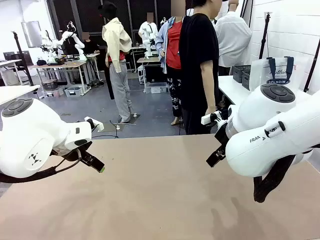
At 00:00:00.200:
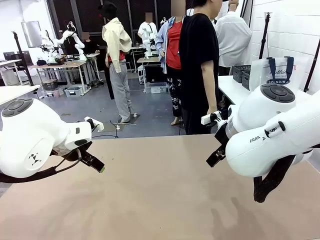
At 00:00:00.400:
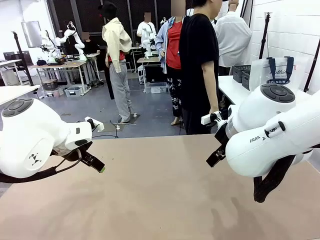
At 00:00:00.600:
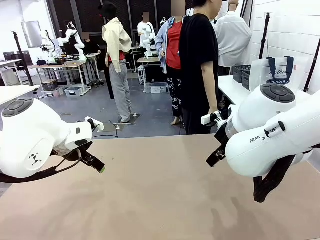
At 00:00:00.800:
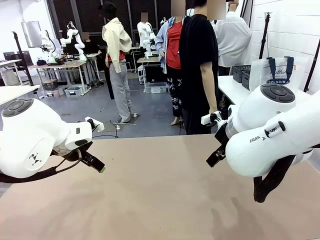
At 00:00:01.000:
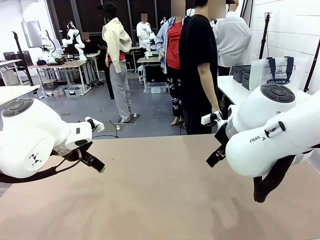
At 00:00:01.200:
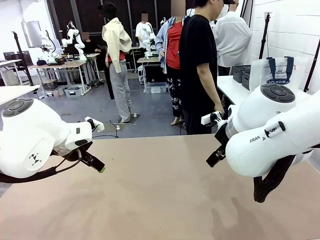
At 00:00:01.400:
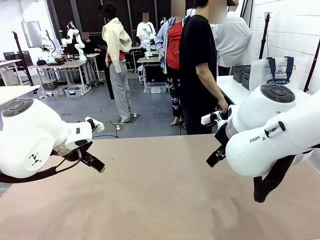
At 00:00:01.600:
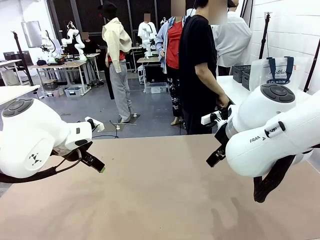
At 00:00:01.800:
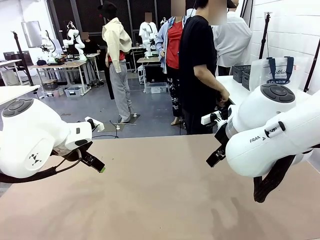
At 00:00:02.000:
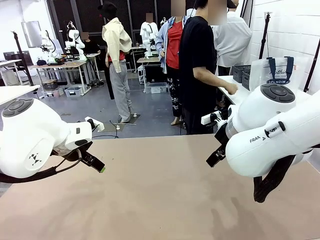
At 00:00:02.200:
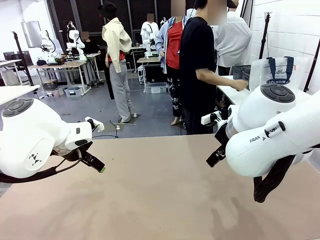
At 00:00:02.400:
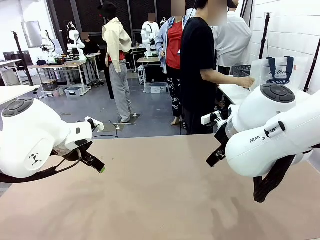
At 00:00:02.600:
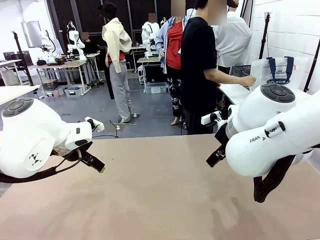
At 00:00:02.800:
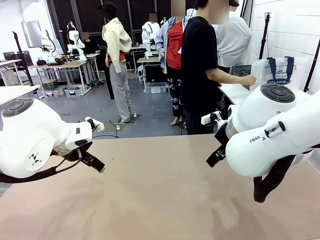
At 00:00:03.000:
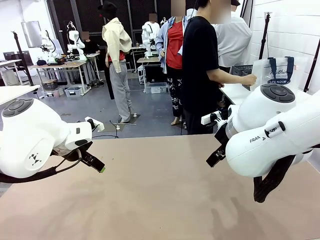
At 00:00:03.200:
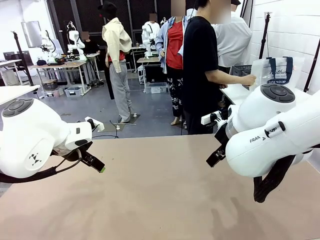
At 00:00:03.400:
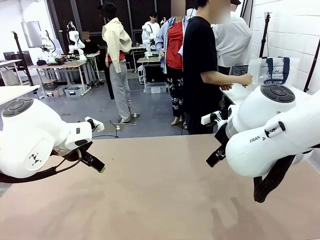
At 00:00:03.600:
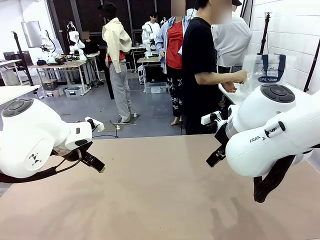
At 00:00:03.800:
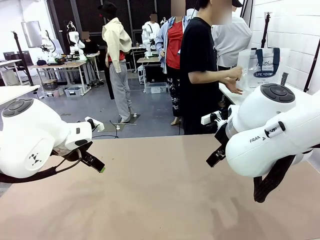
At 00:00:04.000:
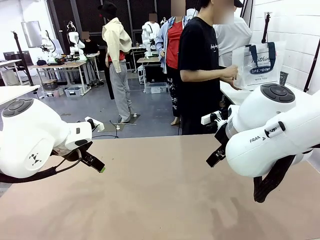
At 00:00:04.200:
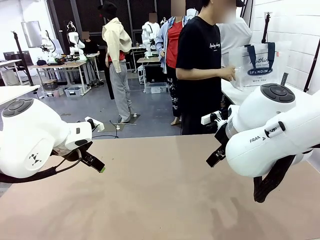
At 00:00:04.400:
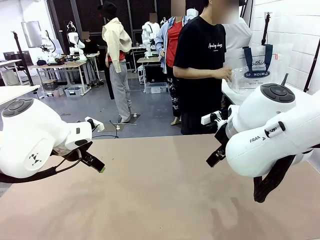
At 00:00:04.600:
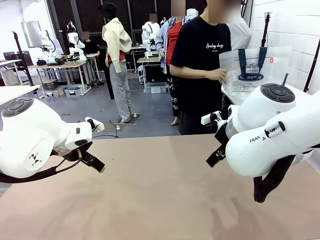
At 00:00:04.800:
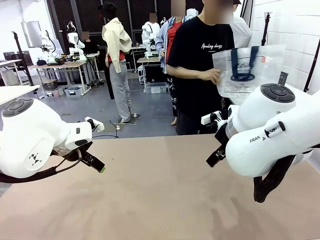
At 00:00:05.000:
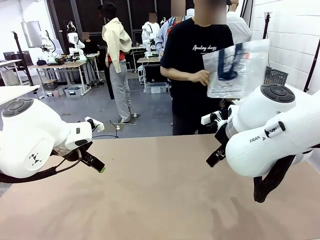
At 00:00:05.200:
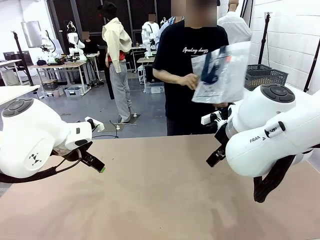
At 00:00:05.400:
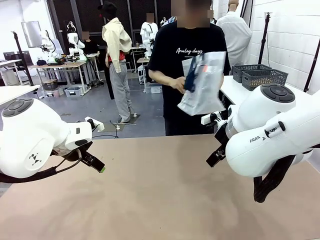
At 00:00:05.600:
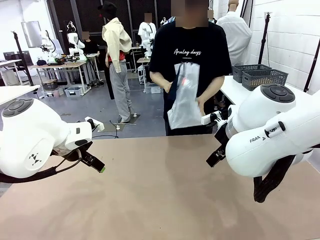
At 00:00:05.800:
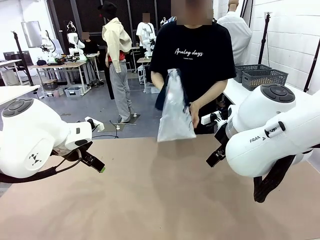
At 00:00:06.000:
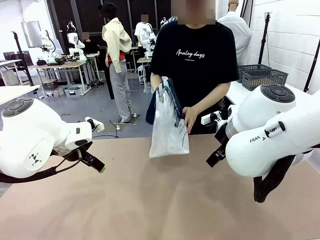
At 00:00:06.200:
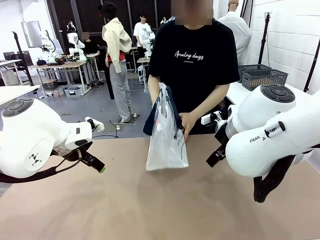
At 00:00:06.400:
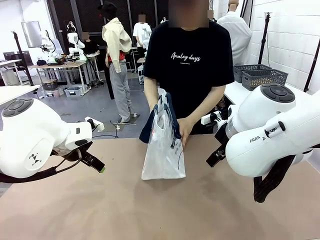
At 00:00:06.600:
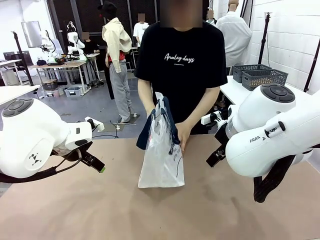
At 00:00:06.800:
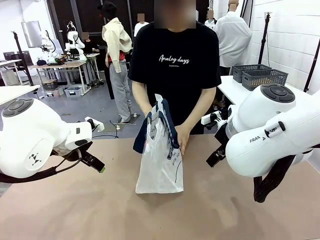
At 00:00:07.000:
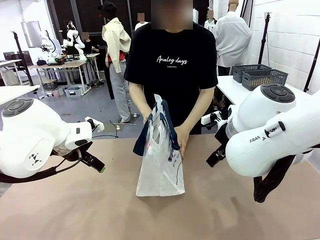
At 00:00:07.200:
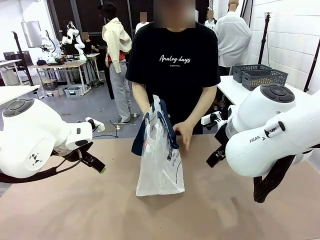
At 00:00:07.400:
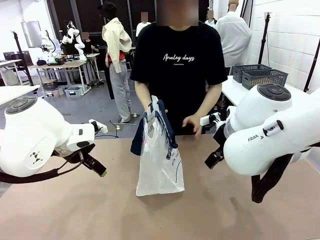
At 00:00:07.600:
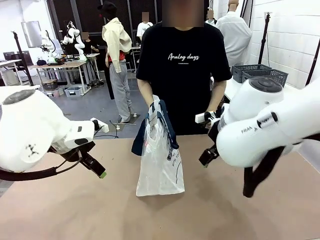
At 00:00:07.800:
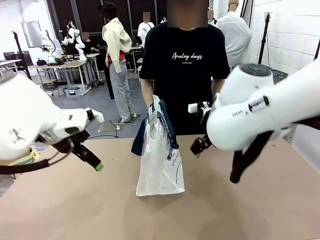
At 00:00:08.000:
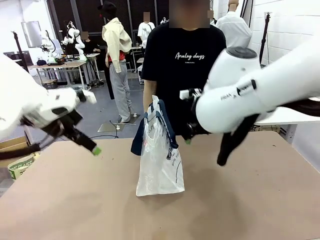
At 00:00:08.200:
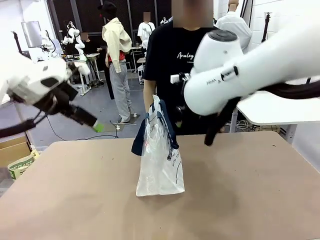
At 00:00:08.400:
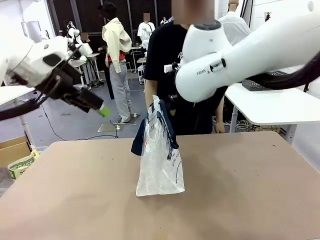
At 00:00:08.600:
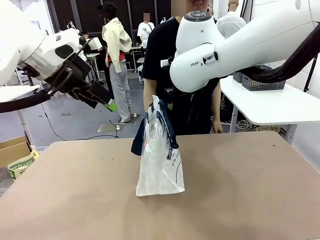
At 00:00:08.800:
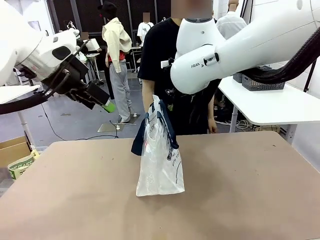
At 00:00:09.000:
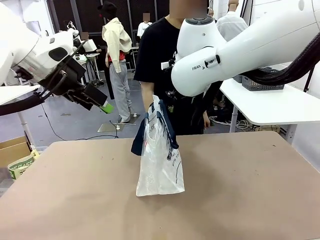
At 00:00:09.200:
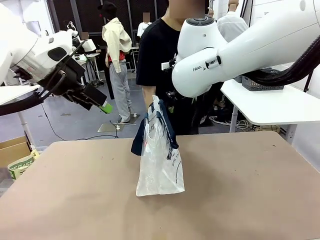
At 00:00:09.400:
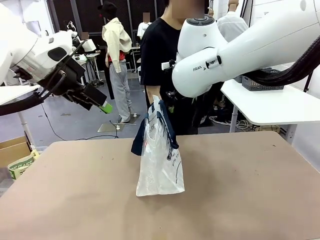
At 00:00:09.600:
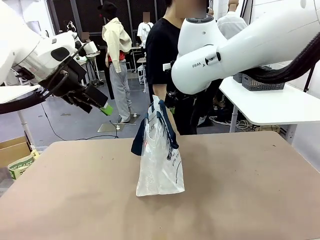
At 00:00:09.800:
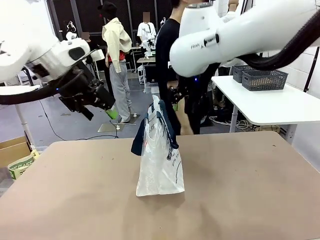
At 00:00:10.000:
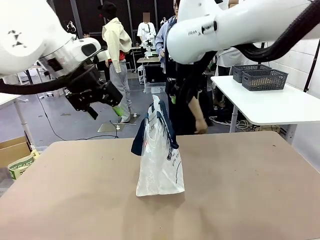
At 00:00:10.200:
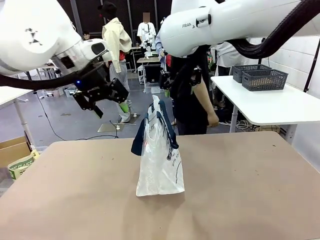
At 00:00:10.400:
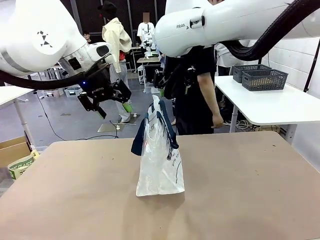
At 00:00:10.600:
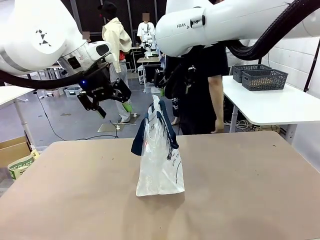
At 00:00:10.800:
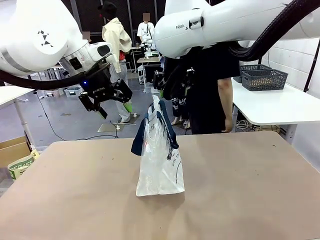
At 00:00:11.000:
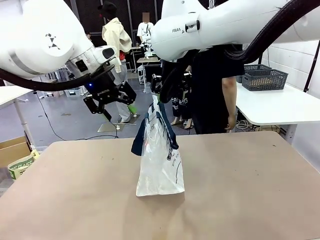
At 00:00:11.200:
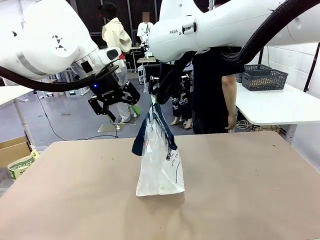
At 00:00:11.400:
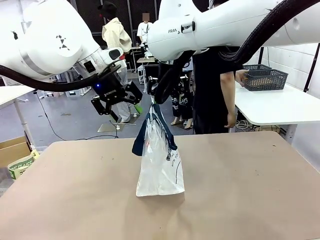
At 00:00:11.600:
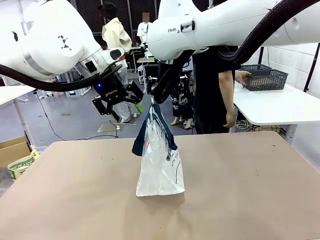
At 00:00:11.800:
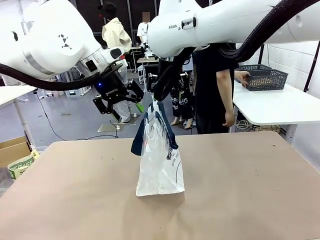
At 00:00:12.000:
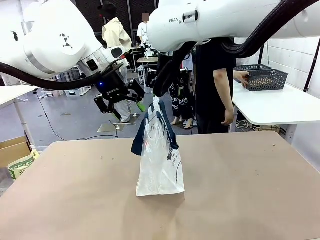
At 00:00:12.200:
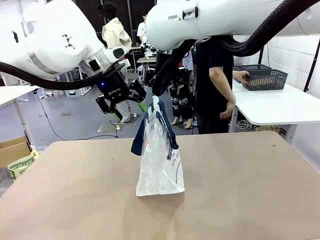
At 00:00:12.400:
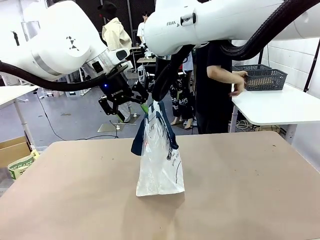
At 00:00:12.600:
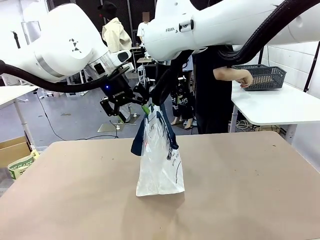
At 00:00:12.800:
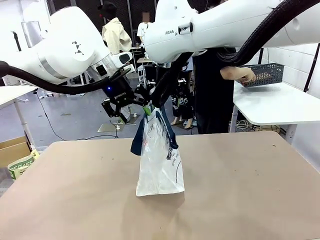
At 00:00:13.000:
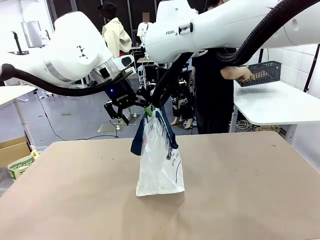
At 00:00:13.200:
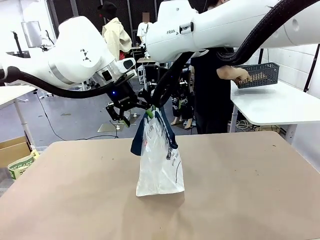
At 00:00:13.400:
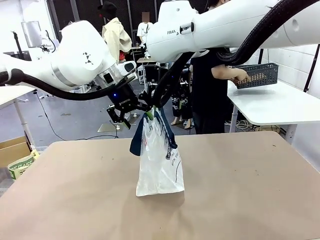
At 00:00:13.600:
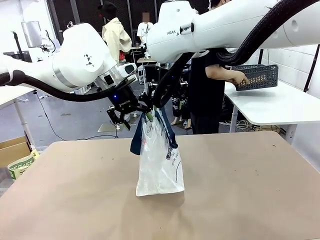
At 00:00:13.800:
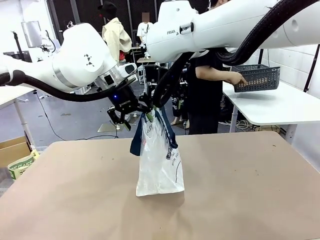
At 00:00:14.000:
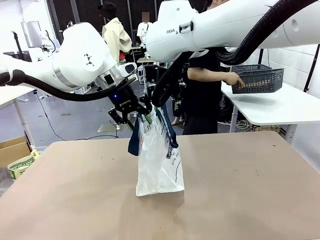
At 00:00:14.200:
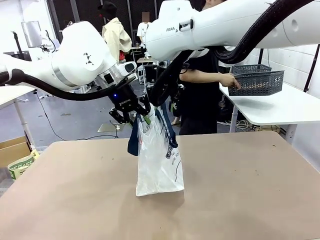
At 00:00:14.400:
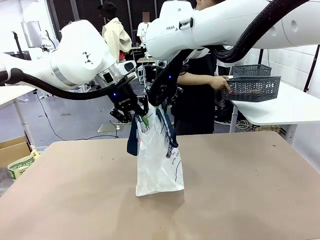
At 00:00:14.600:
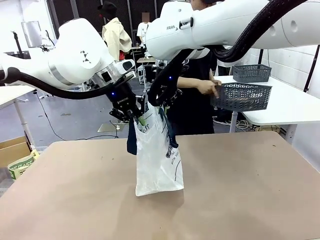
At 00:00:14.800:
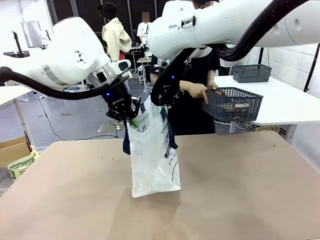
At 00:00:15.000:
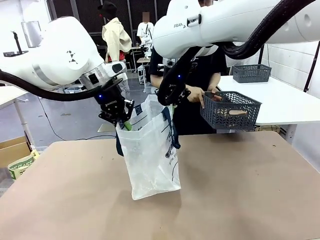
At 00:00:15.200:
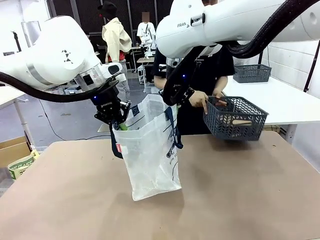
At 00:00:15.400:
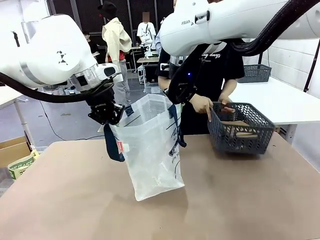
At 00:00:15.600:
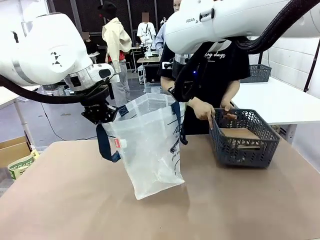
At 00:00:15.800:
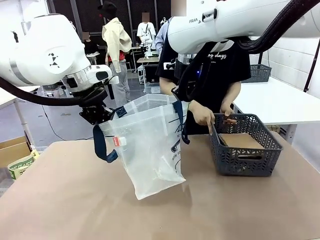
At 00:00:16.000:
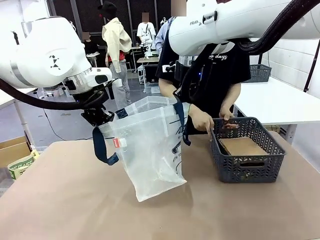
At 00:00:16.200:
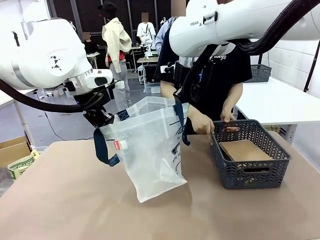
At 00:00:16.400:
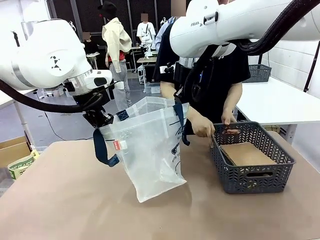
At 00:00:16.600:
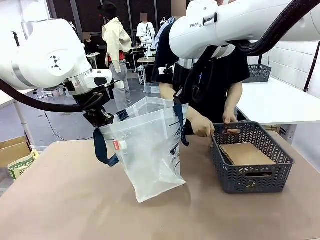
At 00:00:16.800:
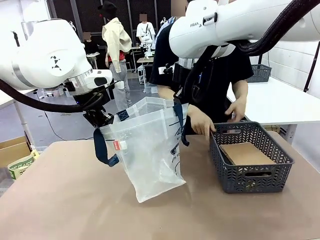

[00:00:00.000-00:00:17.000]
Task: Transfer purchased items from the store into the shopping bag.
Robot: Open the Reusable shopping bag in the center of the table.
Person: Pick up the shopping bag and place it in the middle of the robot table.
